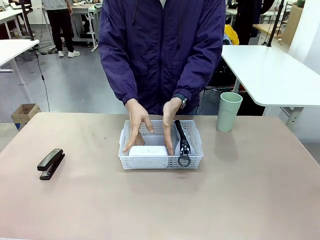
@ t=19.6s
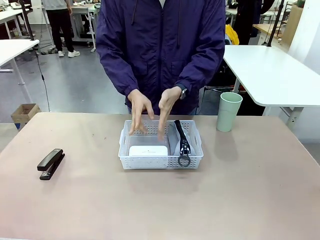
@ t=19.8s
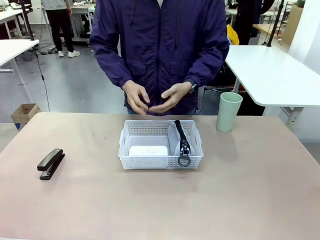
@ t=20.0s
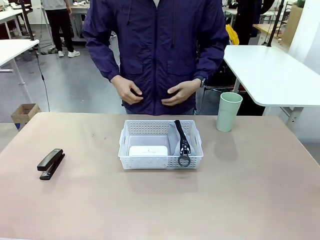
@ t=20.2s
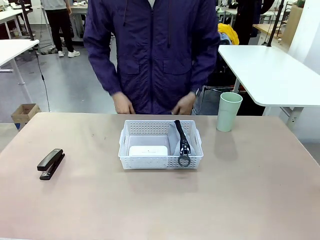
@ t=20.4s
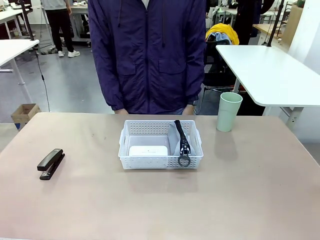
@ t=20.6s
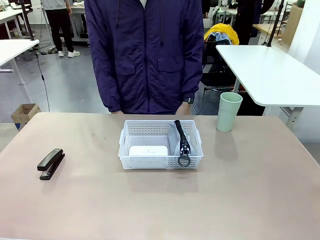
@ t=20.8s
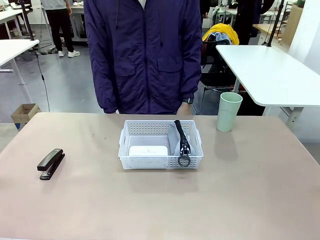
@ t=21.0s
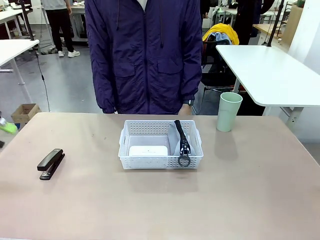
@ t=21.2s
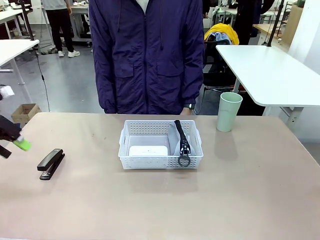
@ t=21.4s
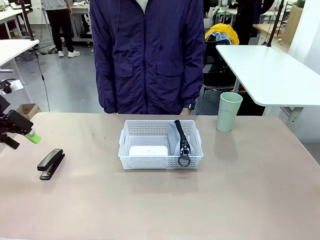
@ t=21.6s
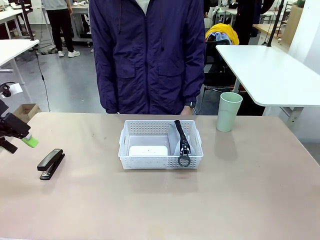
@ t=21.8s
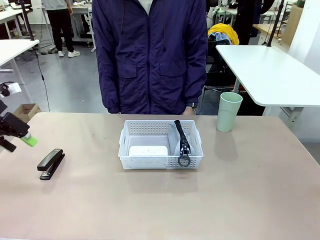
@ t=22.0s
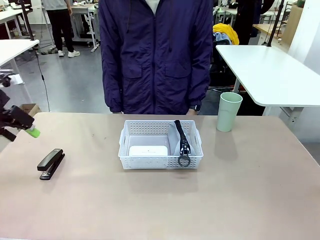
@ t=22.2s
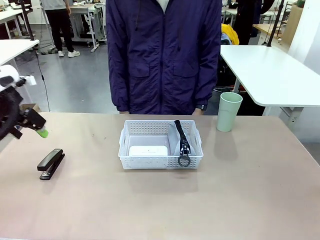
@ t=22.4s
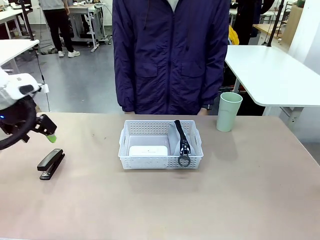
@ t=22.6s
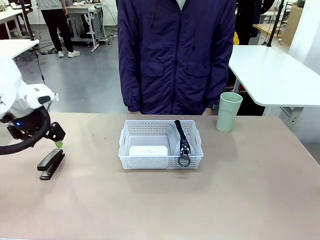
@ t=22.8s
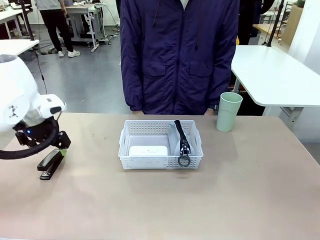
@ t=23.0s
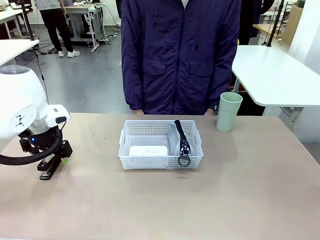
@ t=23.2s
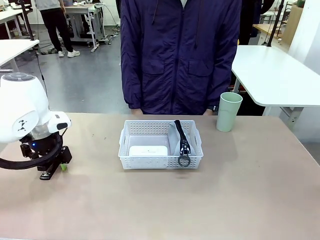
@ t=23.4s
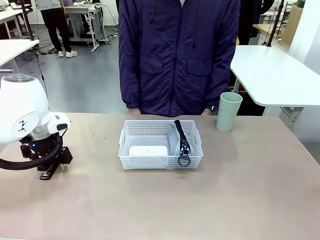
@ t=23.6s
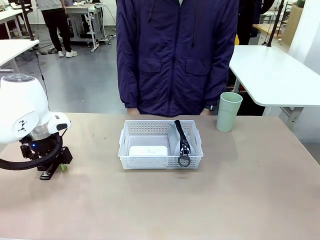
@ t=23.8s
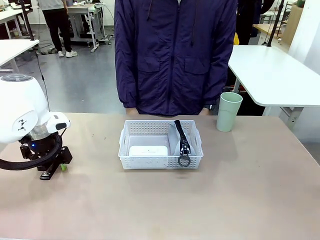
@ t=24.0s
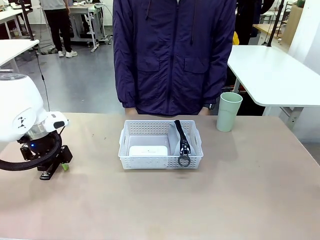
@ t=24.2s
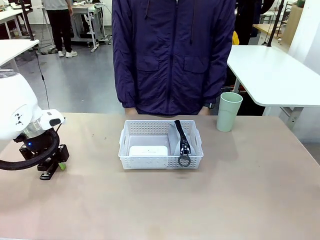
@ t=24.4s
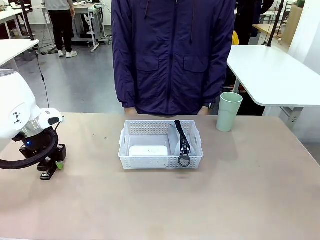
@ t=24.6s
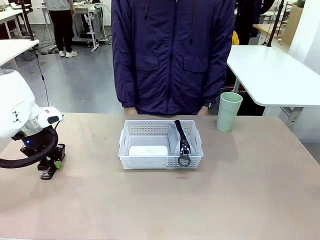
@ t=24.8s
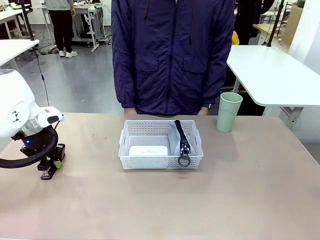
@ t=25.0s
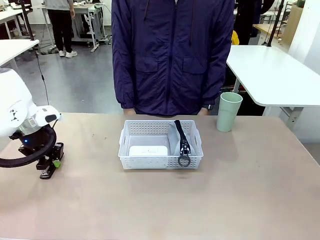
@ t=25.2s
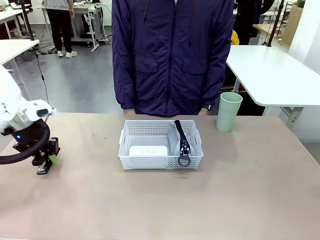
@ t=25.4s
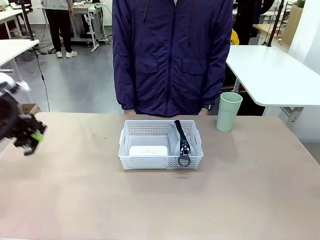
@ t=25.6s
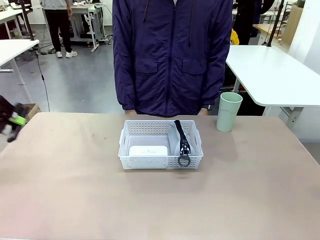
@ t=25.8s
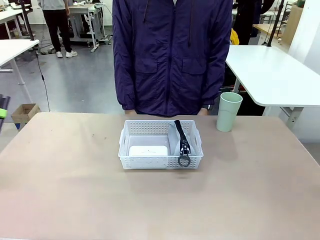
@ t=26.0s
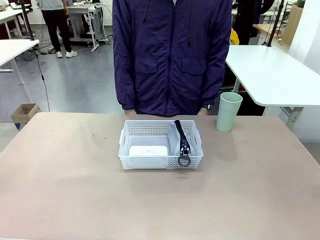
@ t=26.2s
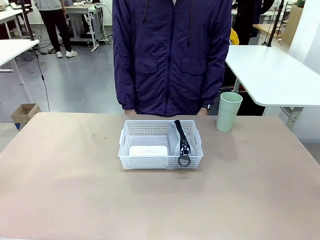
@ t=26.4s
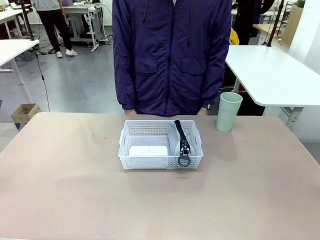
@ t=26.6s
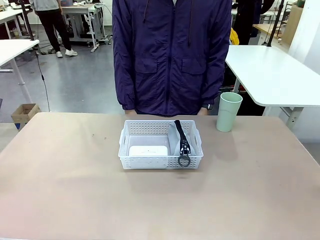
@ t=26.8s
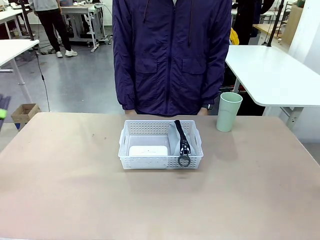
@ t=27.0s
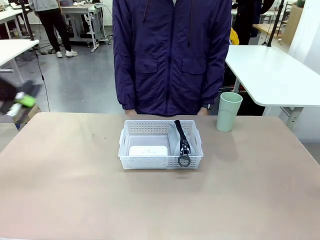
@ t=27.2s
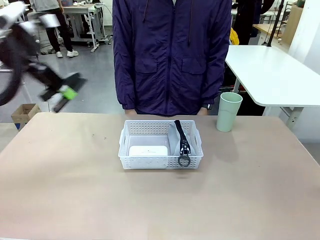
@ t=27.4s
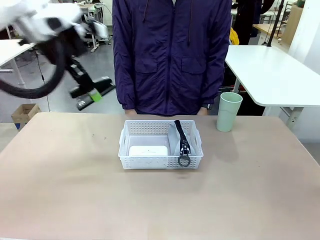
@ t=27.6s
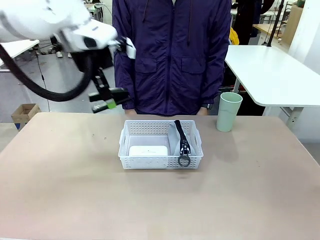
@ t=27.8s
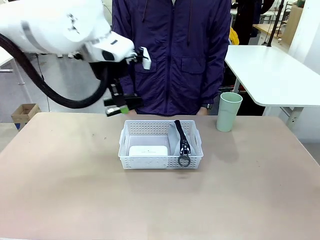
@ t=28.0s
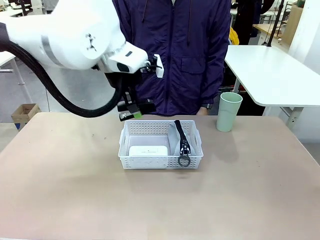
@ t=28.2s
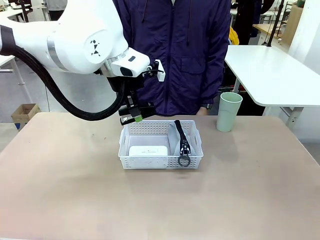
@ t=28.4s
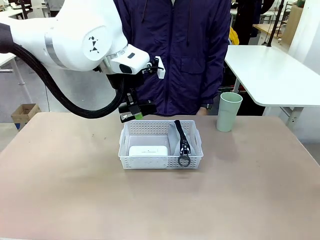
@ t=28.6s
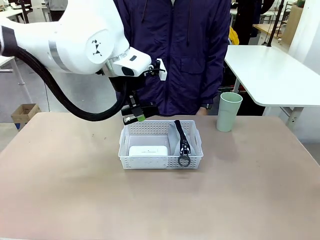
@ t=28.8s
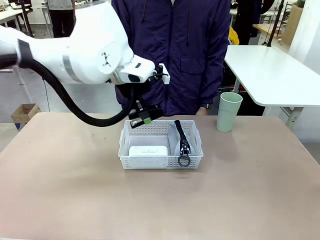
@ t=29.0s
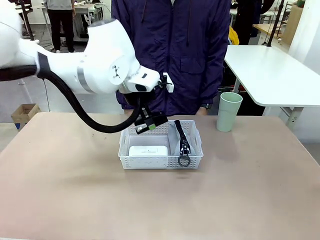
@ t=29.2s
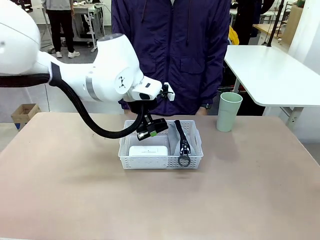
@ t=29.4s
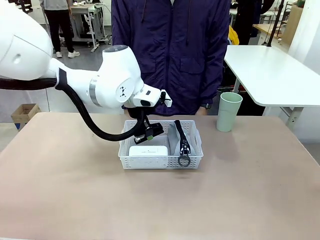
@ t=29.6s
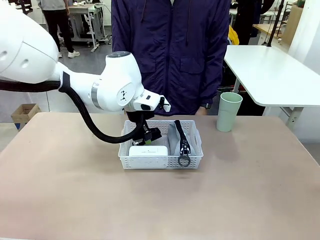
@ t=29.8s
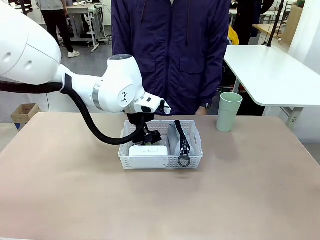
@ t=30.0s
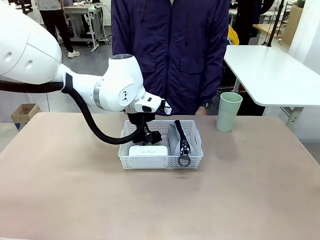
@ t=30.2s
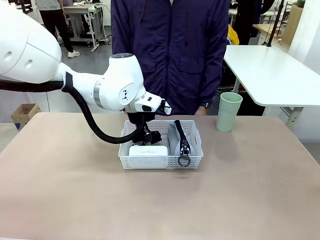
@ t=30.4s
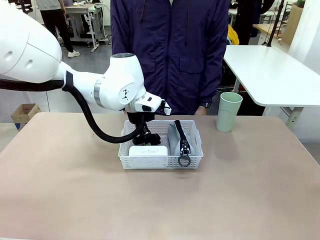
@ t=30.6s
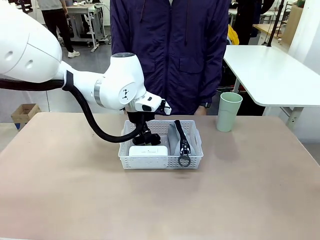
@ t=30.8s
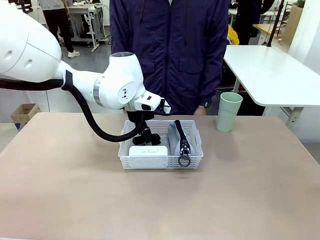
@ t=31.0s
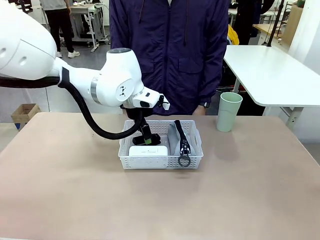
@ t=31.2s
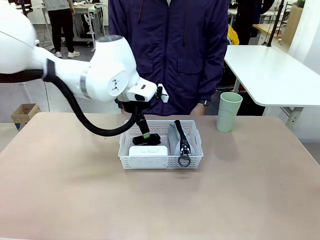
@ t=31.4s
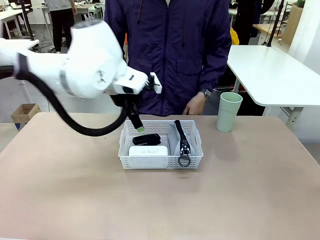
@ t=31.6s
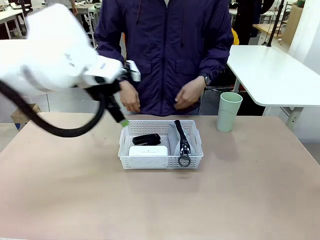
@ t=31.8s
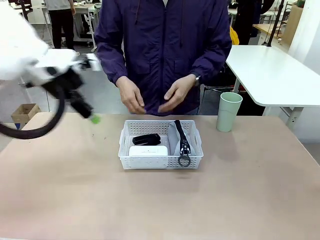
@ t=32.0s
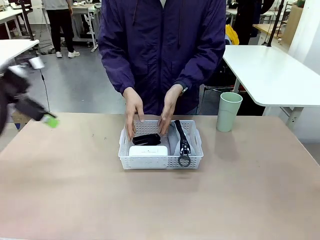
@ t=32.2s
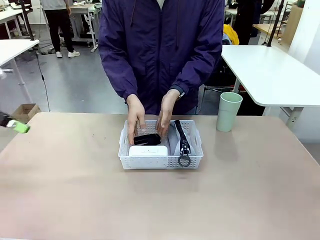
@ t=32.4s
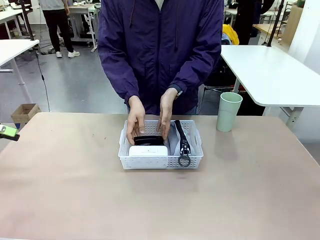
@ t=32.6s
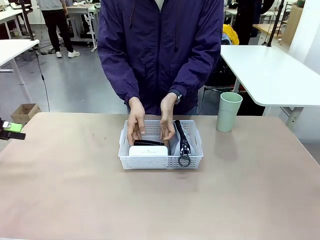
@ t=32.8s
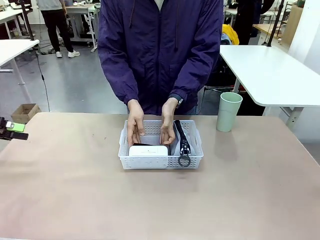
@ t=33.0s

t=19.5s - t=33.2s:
Task: Efficiently arrange items inside the basket to fit them all.
Robot: Pick up the Stapler and place it inside the Organizing basket.
